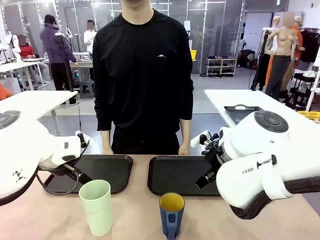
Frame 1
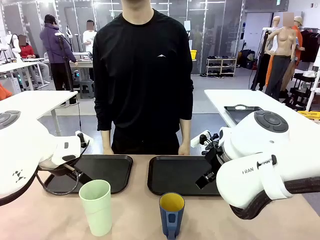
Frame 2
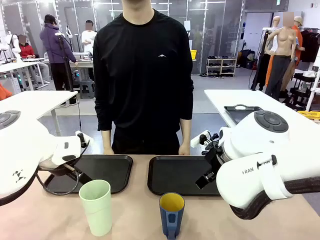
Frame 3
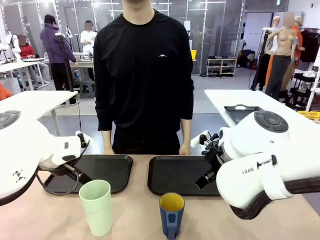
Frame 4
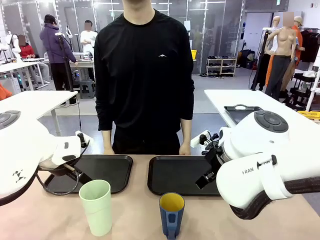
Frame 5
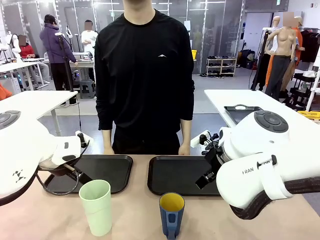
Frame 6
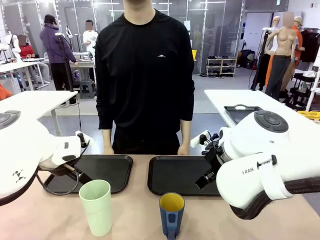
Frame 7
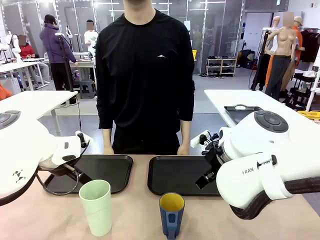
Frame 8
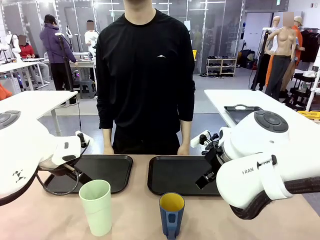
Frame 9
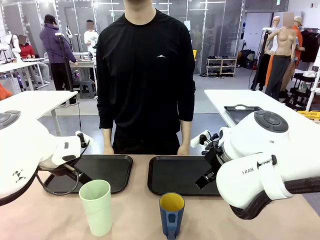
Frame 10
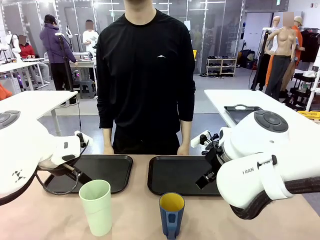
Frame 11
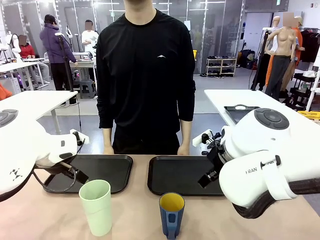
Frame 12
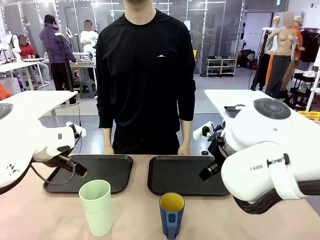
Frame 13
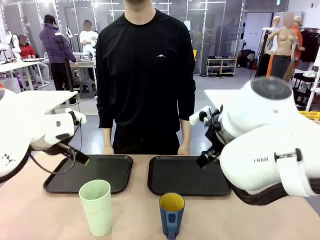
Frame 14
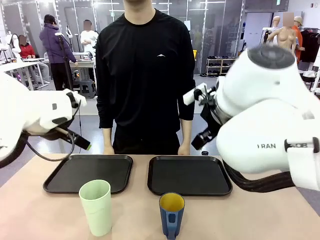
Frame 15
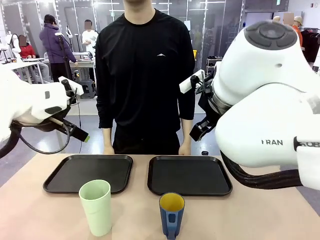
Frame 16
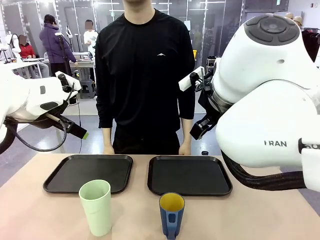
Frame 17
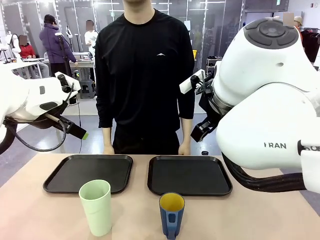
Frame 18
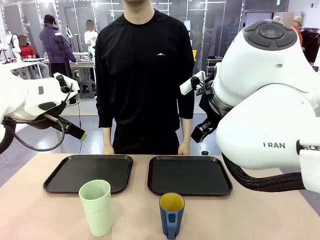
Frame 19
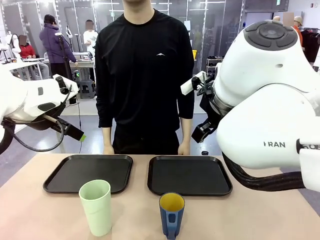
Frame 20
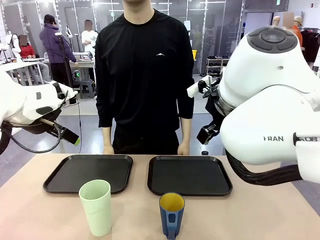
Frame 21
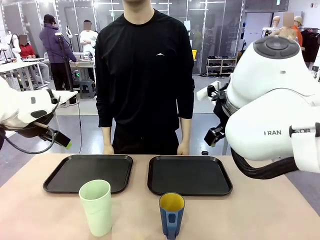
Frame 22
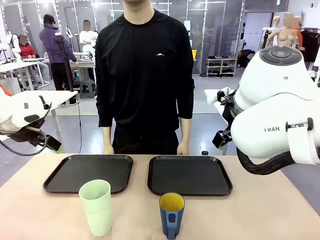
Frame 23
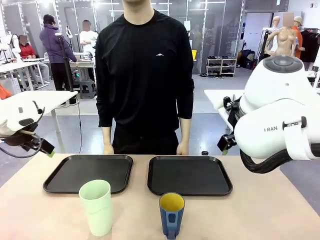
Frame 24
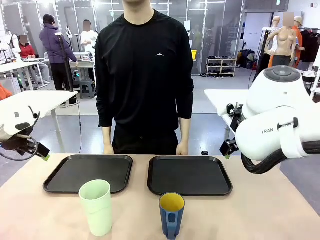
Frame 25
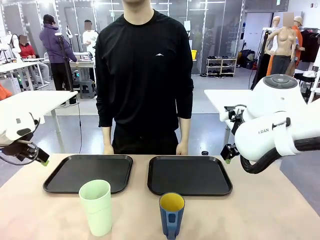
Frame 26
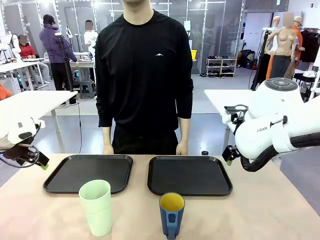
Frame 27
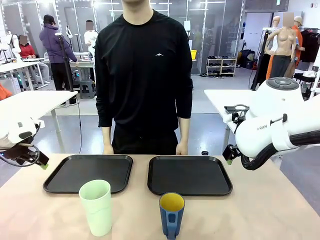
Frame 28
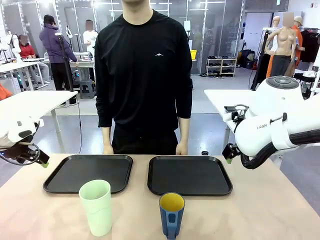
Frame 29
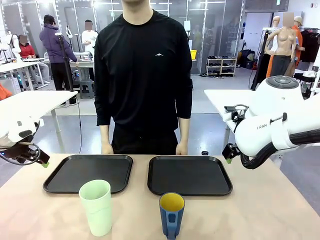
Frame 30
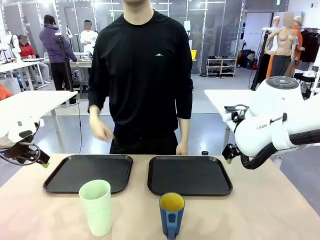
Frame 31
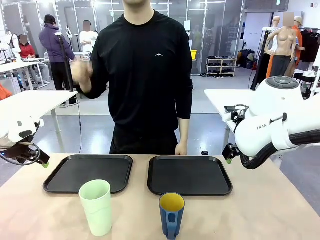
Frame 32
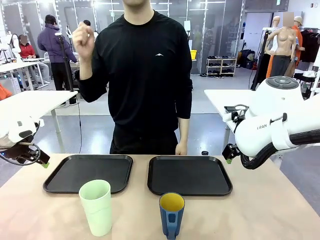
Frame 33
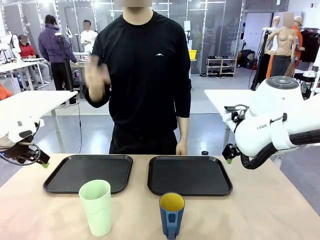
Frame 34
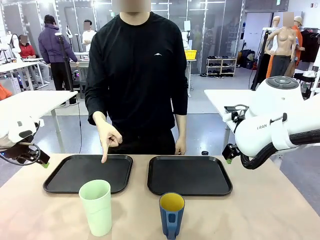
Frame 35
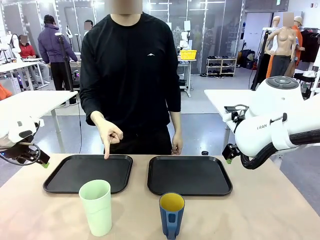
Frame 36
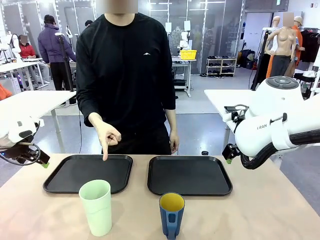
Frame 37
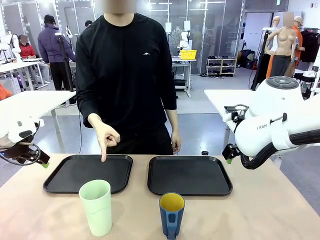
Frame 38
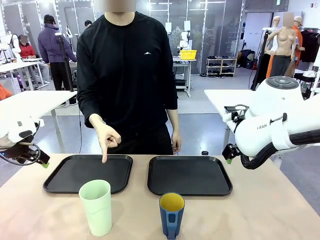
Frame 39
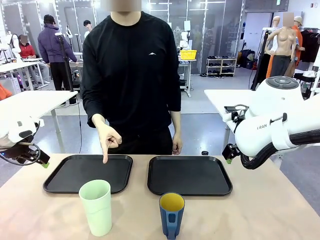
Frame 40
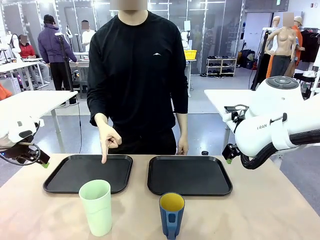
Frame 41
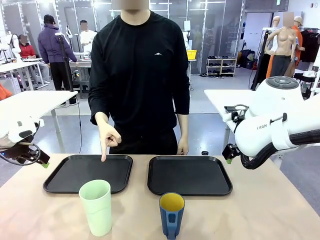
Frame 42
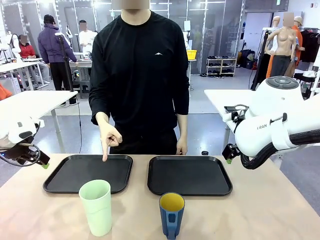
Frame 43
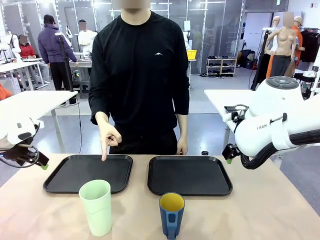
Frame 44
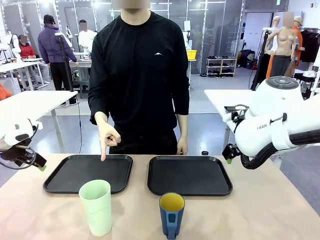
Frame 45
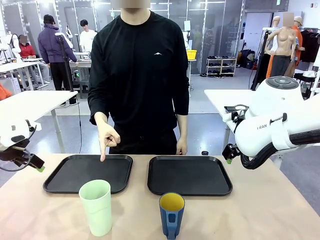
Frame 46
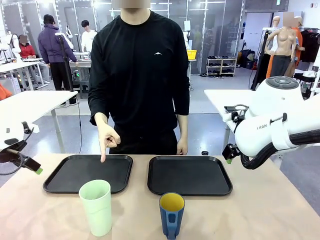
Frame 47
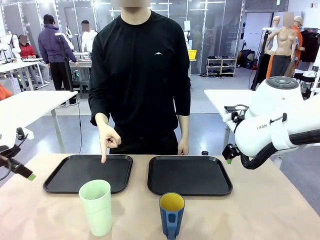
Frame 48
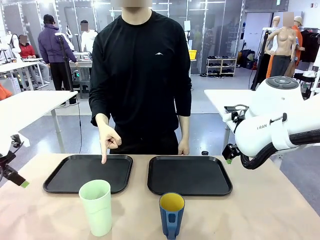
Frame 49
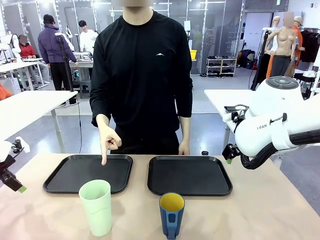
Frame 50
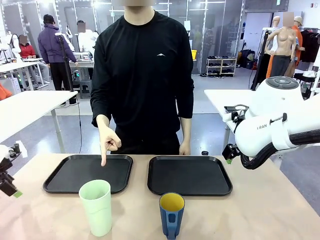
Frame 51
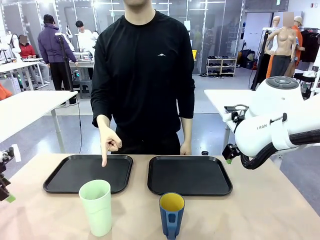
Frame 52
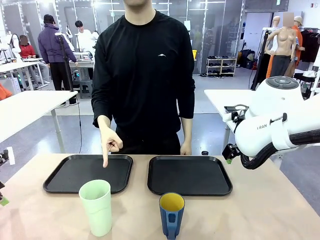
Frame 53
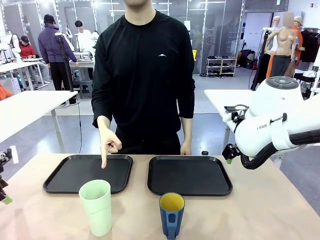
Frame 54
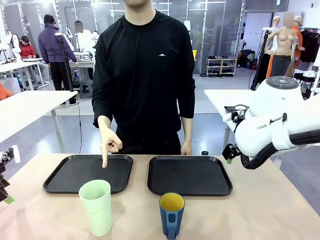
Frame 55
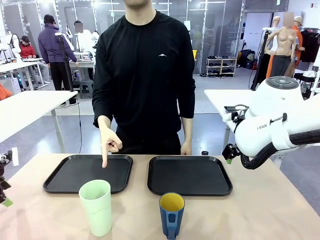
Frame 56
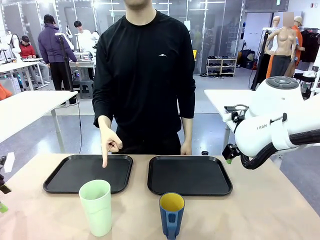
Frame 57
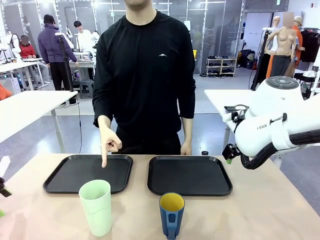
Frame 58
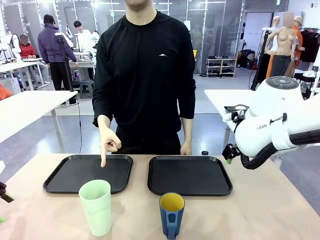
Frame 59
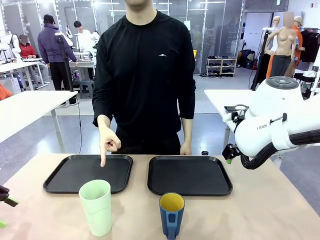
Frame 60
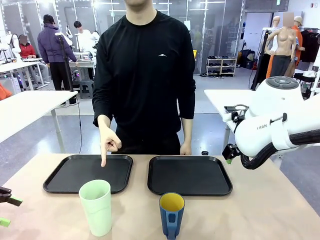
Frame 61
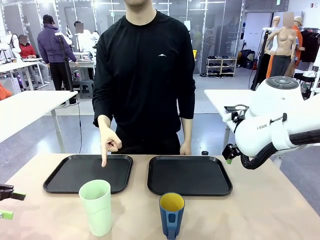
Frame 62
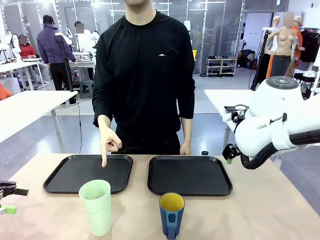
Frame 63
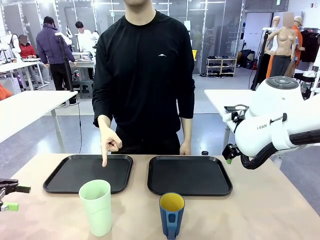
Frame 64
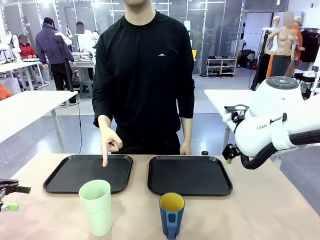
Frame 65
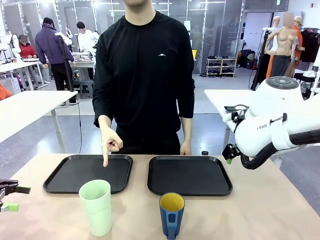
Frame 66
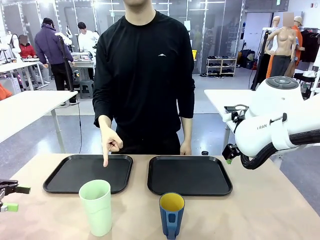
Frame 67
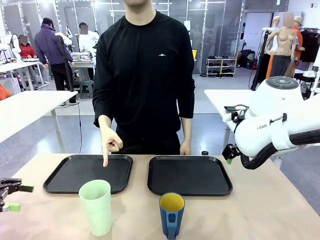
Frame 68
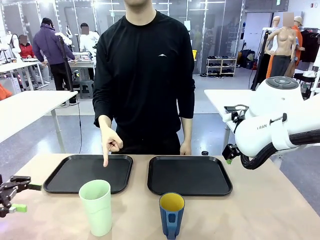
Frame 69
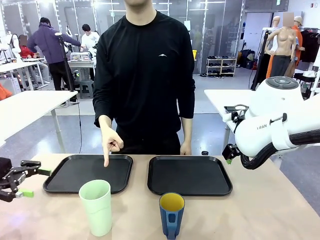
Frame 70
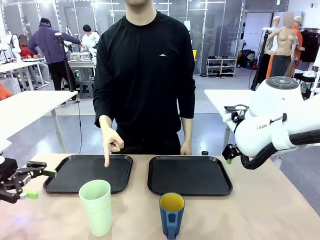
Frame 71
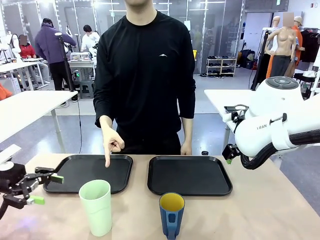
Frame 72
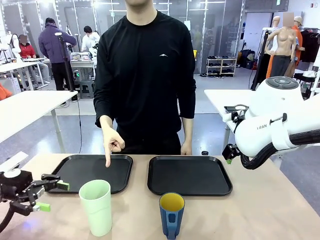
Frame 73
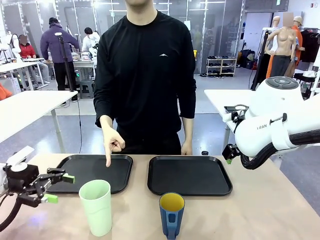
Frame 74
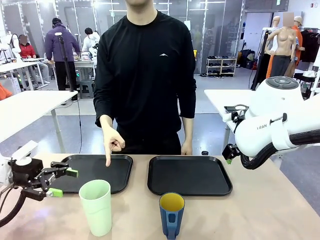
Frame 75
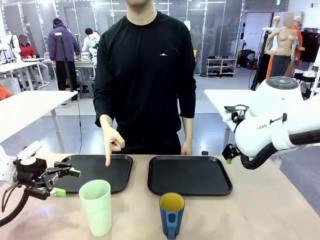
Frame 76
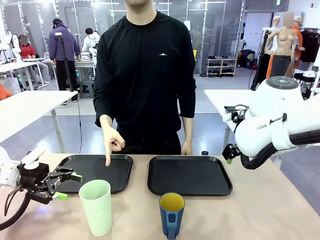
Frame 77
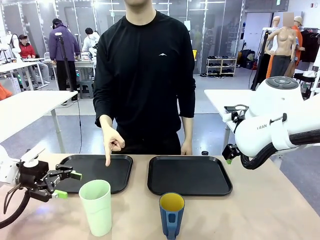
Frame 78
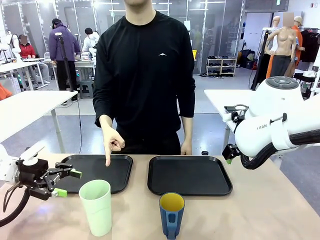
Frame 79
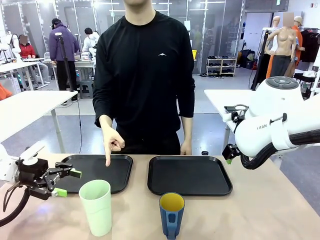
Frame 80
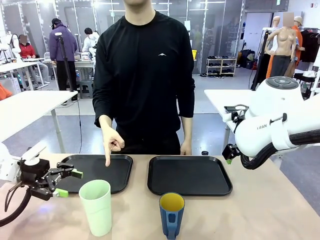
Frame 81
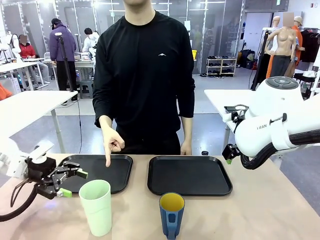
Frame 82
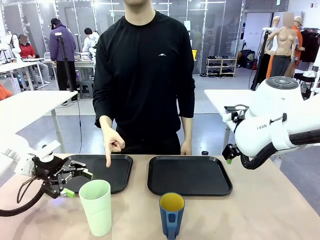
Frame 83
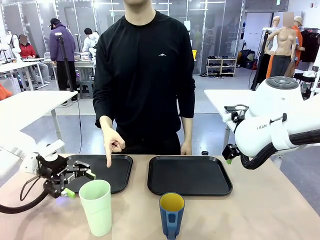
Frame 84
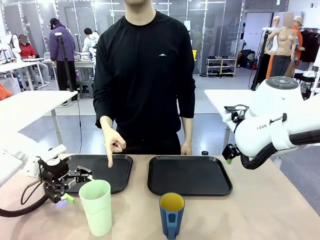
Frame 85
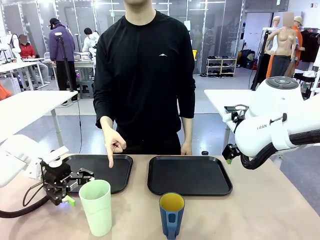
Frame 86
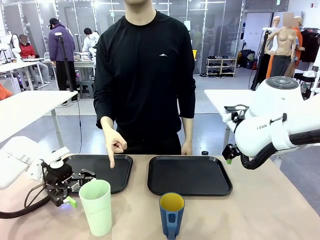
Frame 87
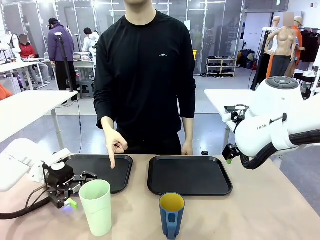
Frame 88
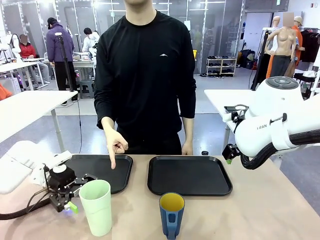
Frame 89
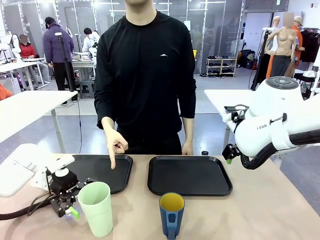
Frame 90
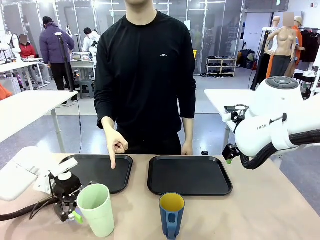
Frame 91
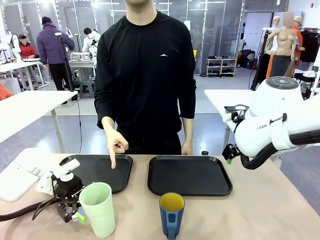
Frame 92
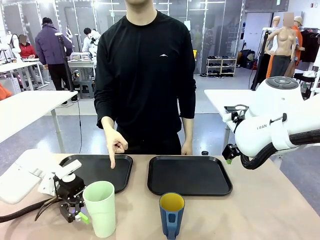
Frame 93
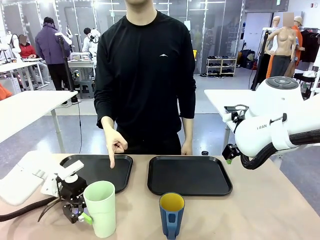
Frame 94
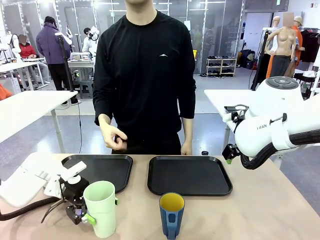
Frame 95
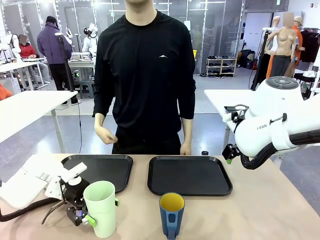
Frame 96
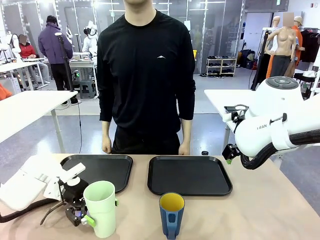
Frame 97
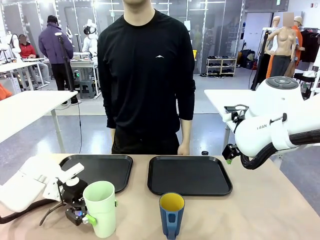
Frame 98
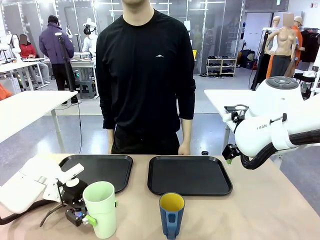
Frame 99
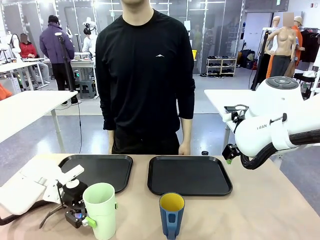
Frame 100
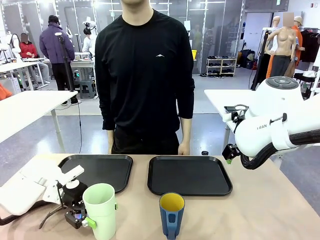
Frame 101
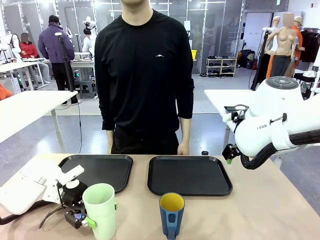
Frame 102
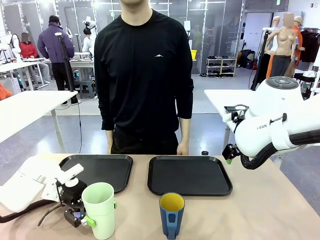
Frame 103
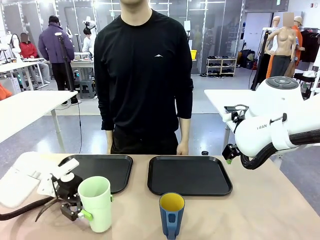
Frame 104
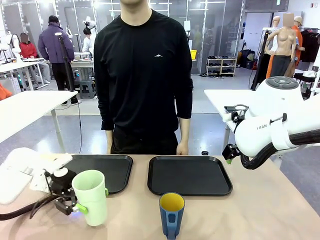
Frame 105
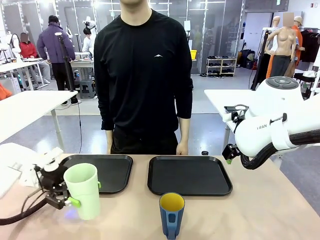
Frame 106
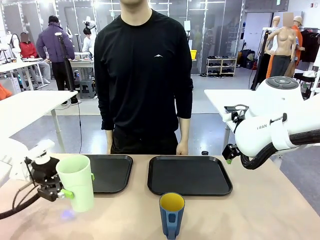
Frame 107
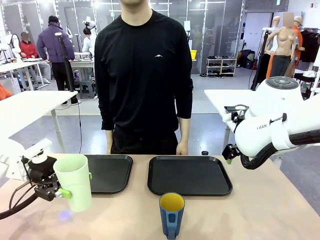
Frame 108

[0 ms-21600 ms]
Task: Sort and store the cups by type.
Robot: Pick up the Reusable plastic cup.
Person: Points to the reusable cup. Point to one of the two trays.
